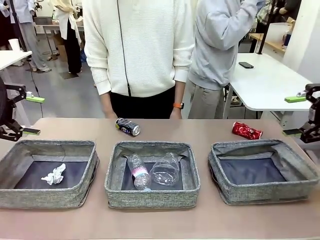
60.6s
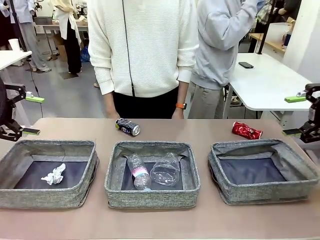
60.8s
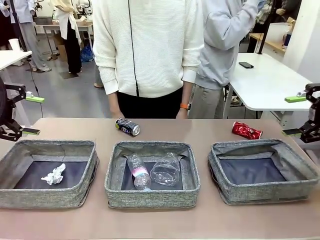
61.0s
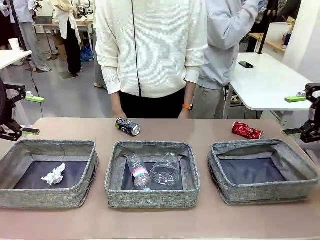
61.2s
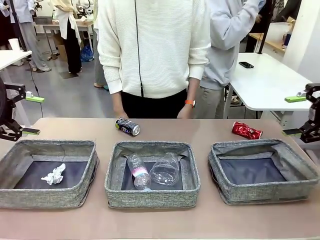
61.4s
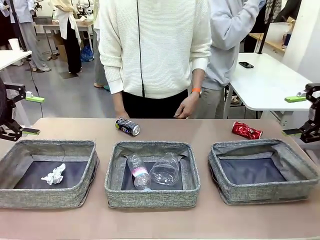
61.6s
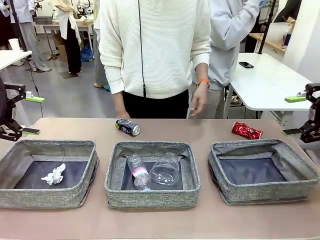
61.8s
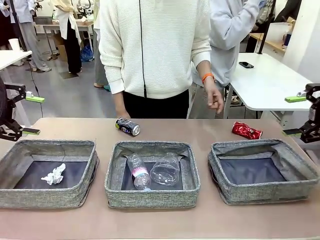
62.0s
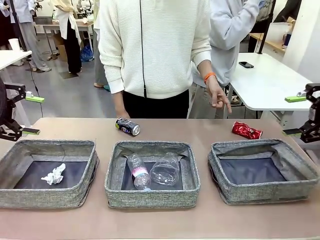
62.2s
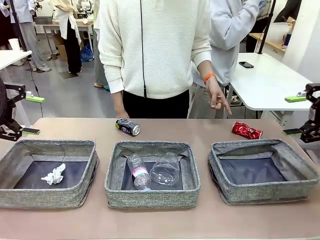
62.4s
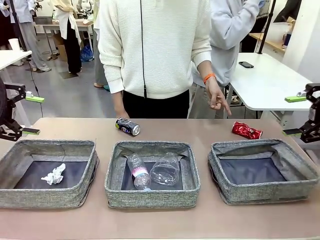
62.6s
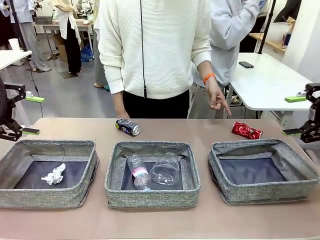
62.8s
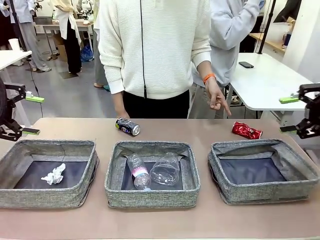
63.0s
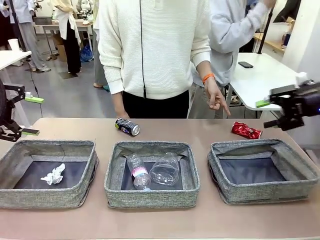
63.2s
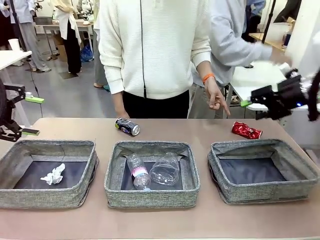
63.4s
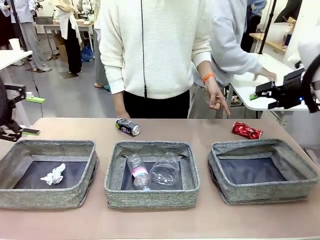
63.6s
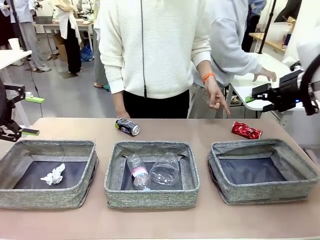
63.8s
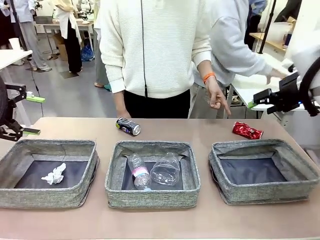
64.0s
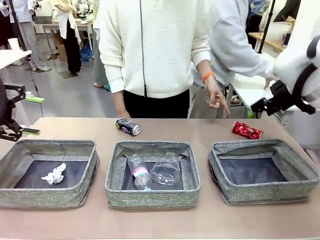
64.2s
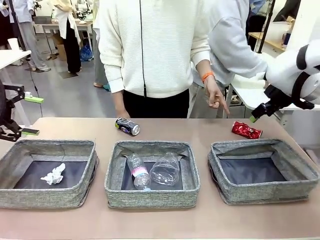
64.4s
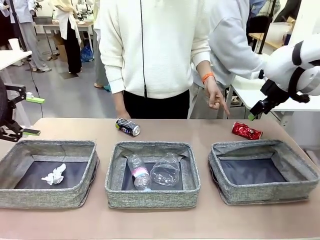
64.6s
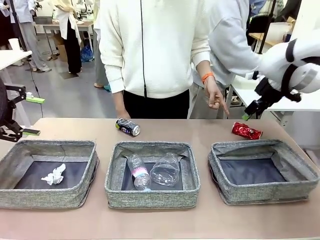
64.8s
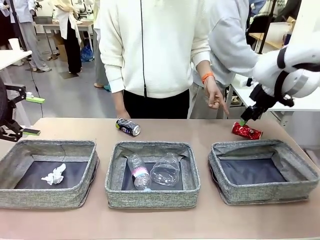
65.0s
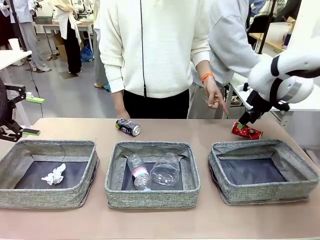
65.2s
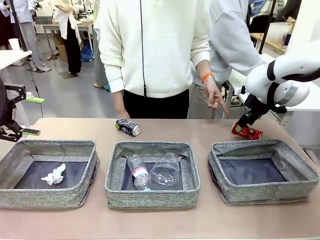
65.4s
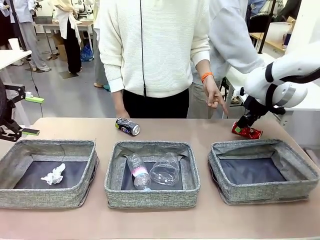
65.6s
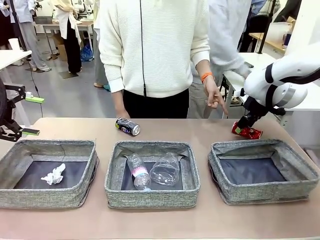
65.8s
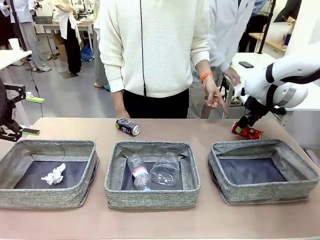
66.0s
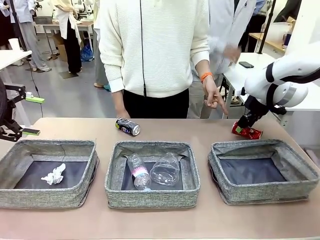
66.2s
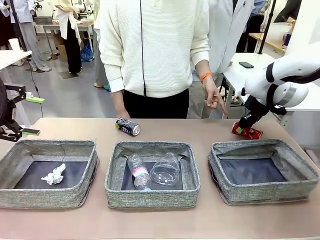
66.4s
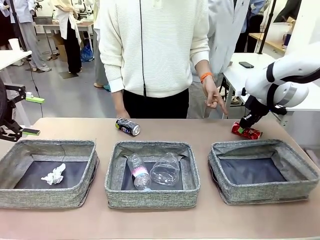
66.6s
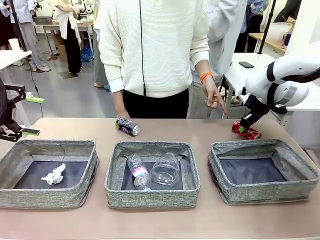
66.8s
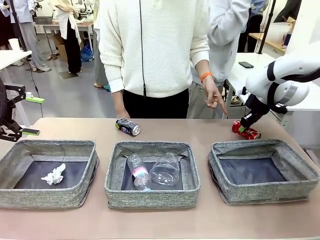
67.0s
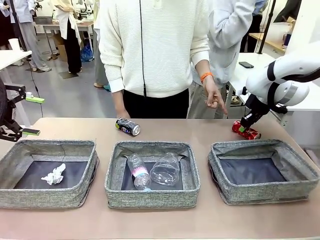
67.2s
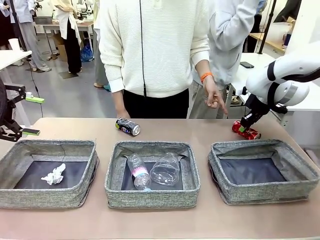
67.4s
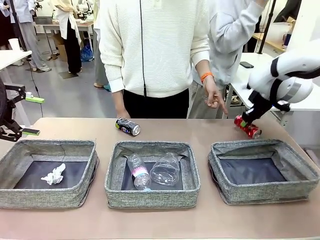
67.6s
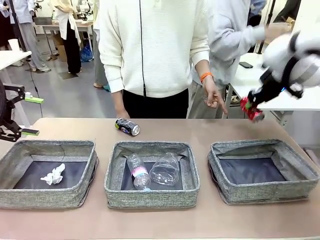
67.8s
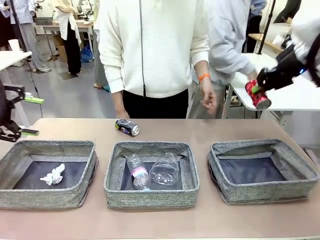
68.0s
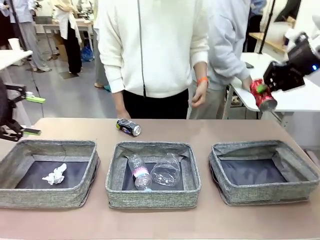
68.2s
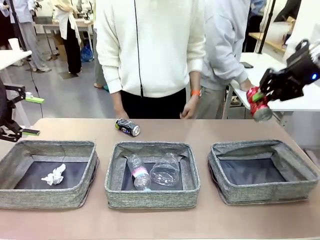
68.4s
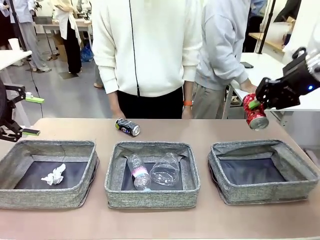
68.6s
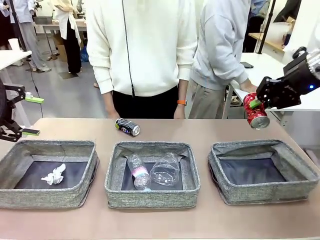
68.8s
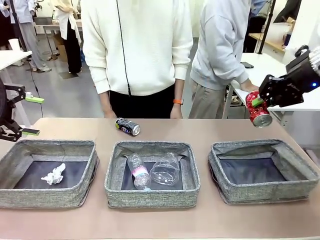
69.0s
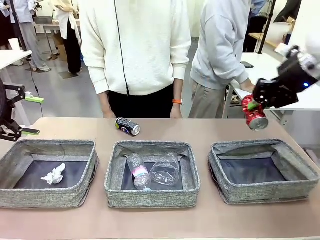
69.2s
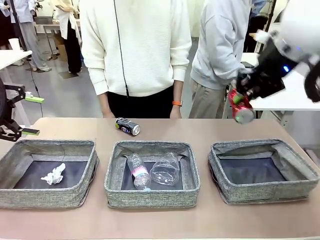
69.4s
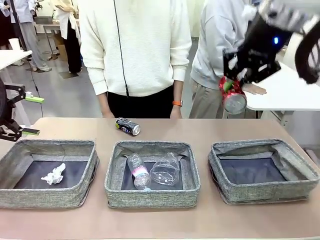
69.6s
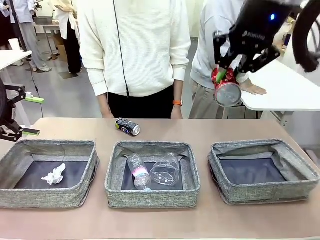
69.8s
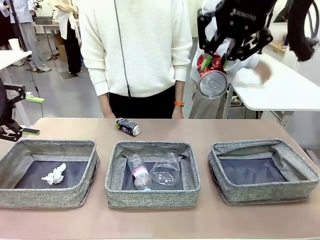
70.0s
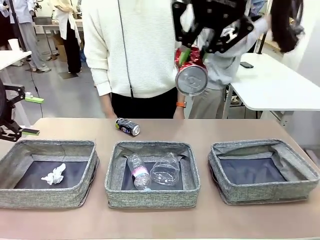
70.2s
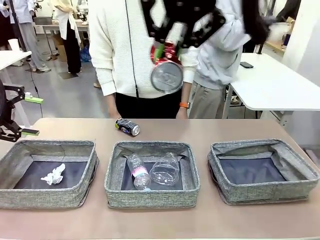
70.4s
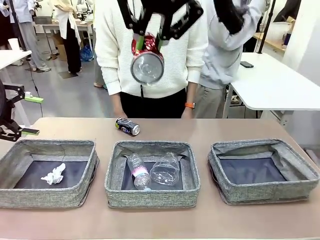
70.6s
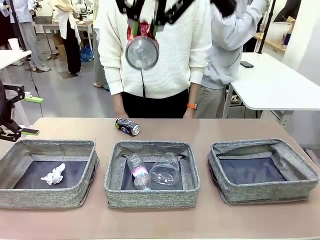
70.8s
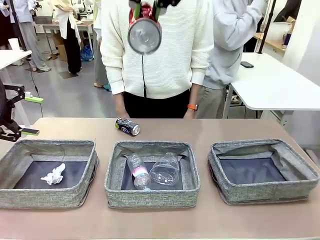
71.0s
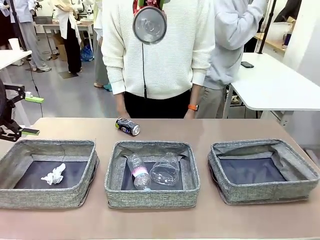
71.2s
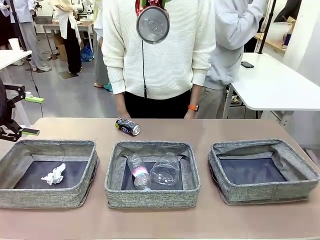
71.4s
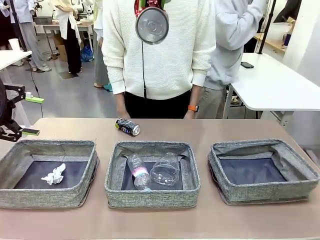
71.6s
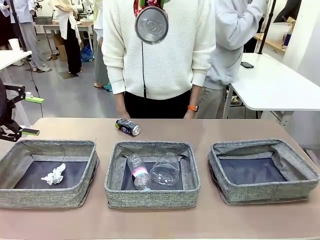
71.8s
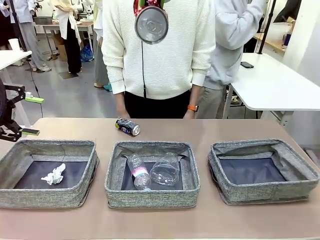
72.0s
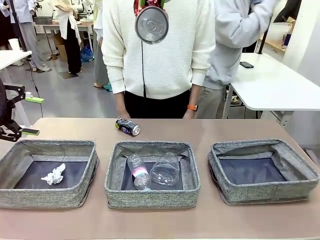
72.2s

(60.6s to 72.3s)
Task: Sort the waste into the appropriate baskets.
Robot: Pick up the waste item pointed out by the person.
Person: Points to one piece of trash on the table.

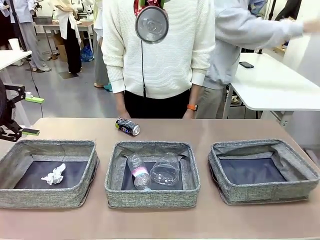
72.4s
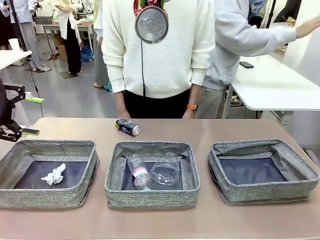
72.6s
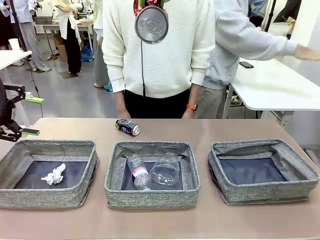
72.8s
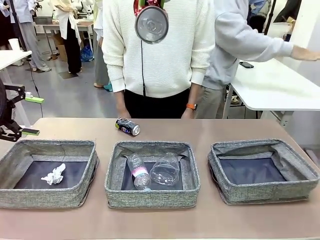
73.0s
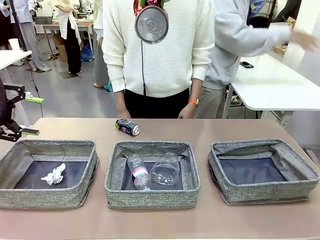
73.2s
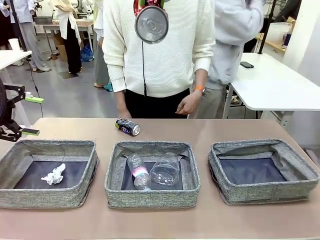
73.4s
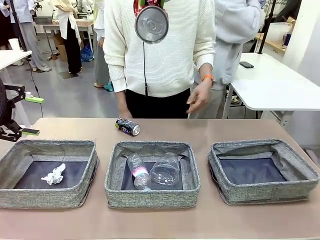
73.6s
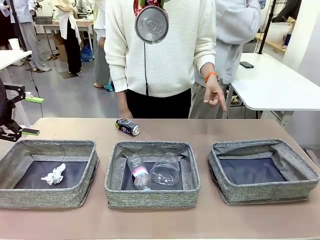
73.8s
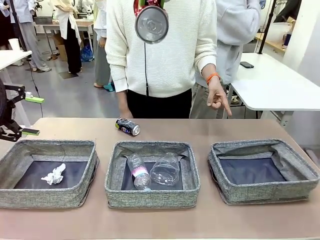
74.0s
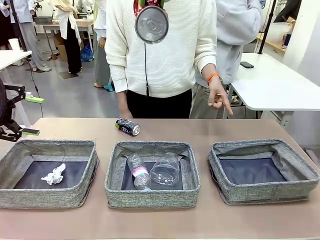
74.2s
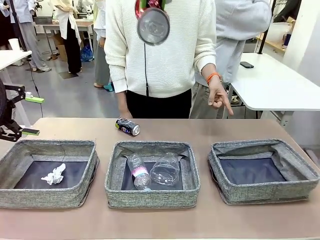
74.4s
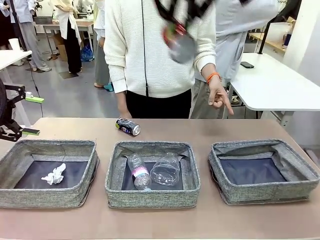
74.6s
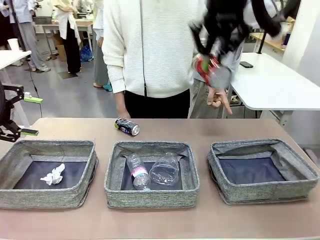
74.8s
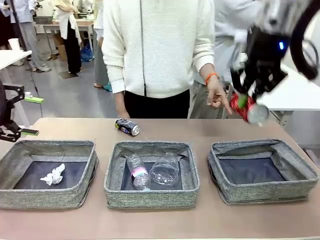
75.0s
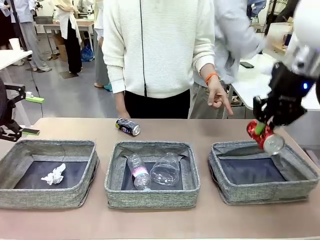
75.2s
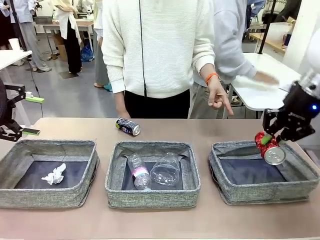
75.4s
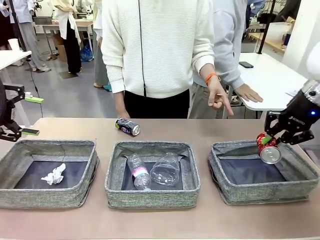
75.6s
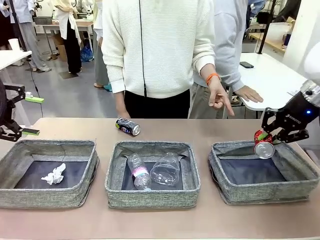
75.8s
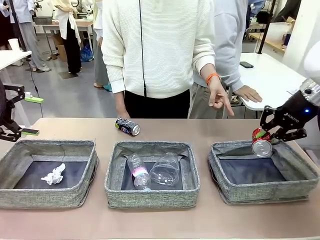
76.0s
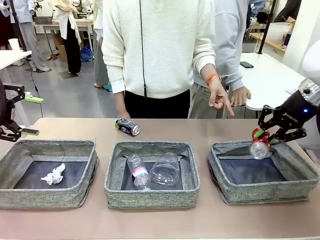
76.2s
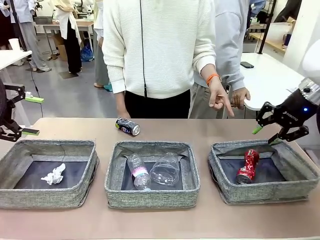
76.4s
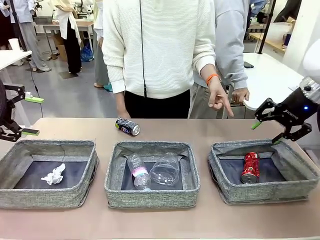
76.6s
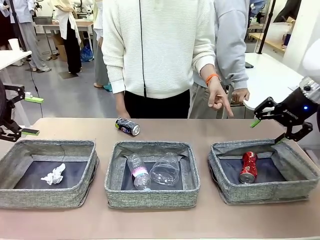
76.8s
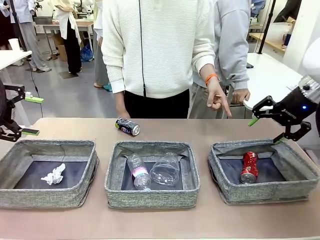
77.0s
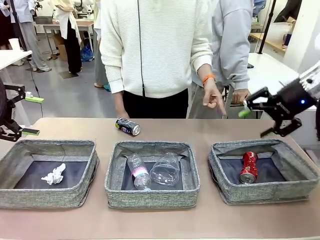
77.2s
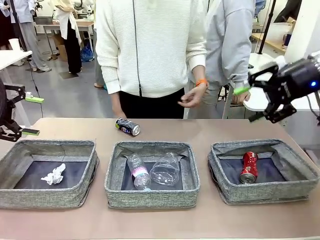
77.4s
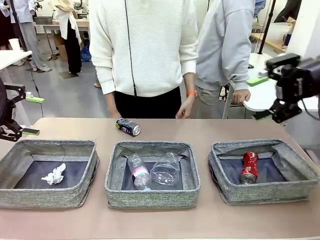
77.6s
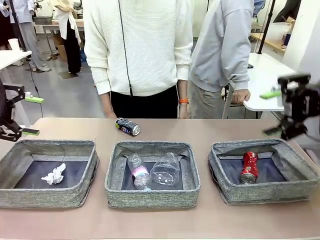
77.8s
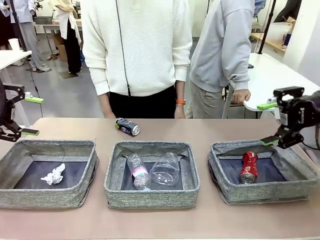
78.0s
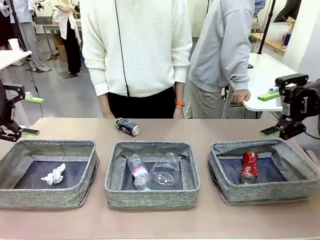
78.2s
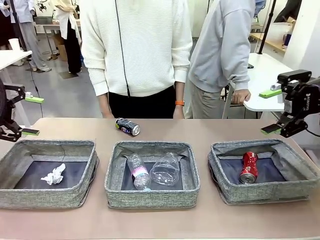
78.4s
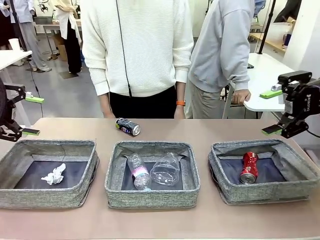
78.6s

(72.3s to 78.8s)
Robot: Place the picked waste into the Fabric basket indicated by the person.
Person: Instructs the robot to place the picked-up trash into the appropriate organizing basket.
